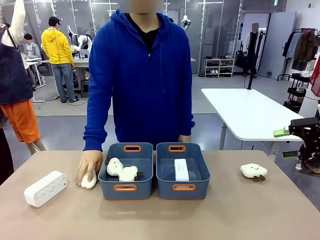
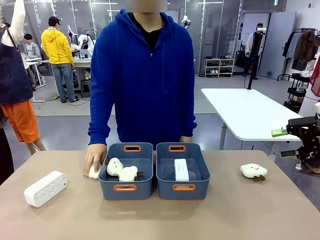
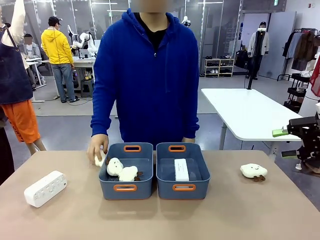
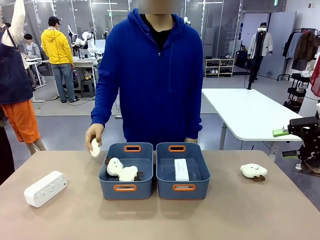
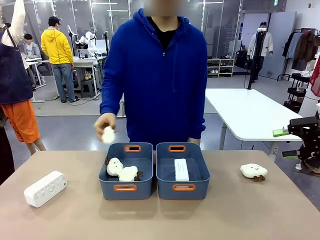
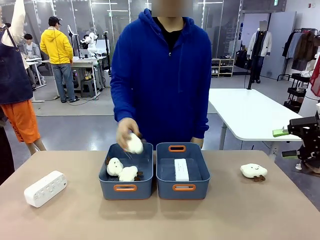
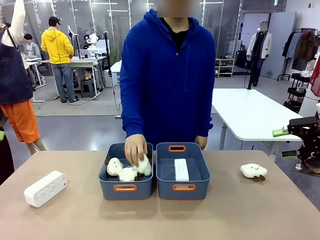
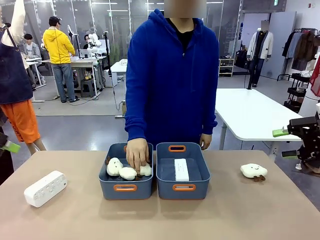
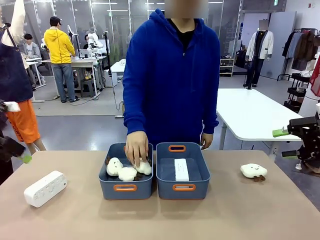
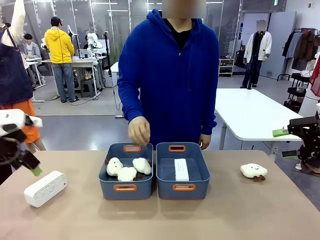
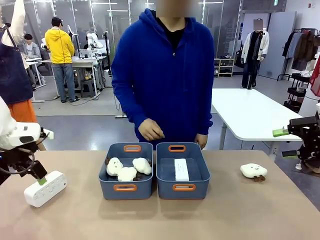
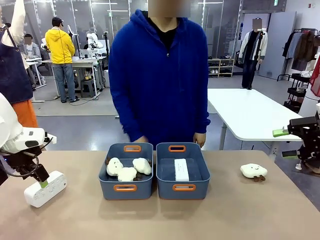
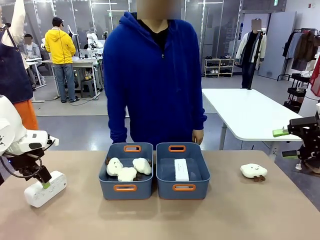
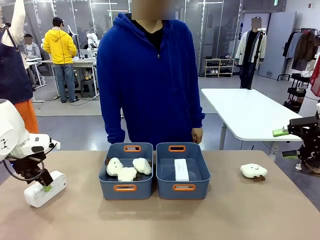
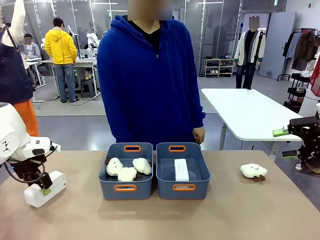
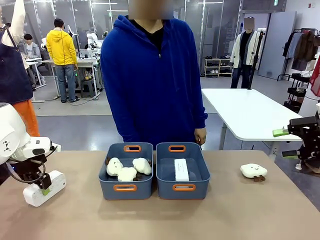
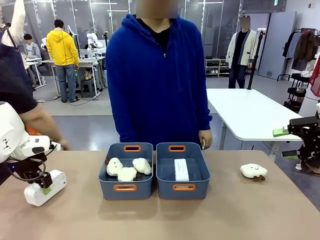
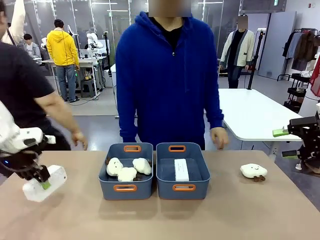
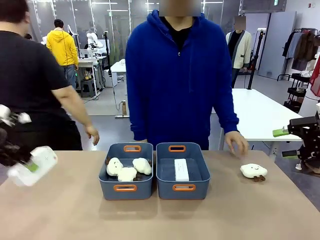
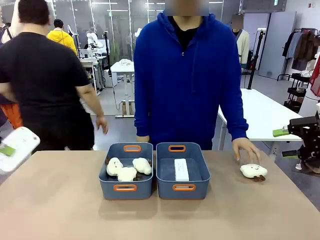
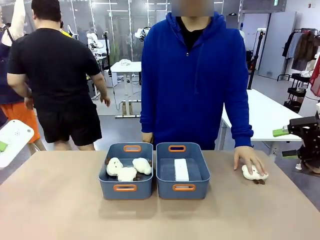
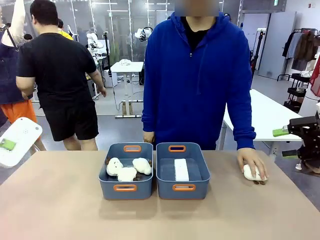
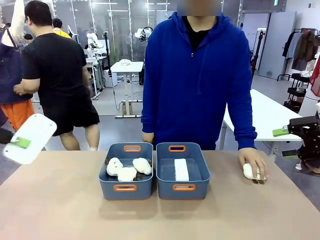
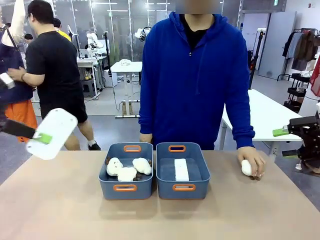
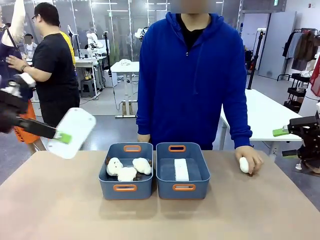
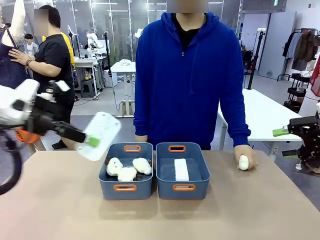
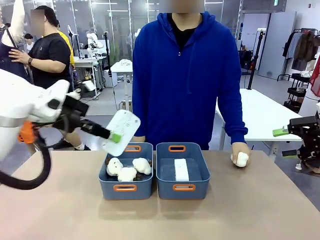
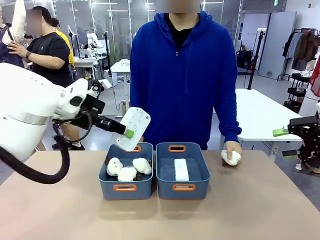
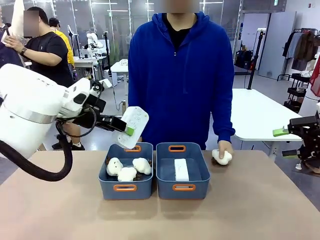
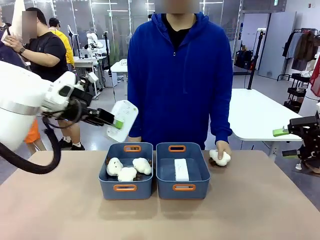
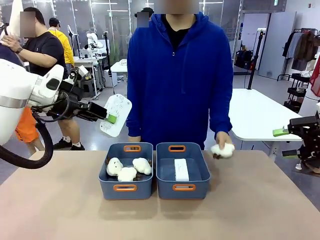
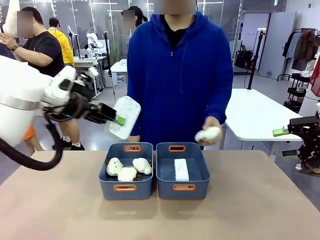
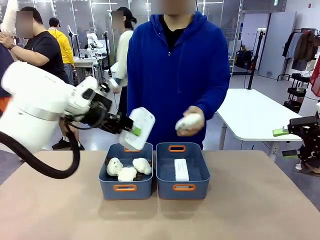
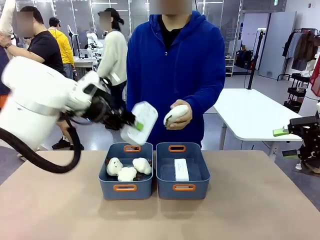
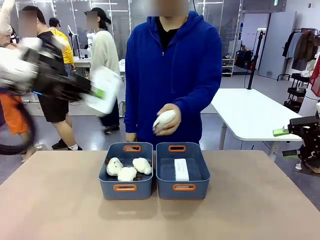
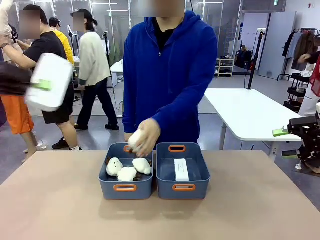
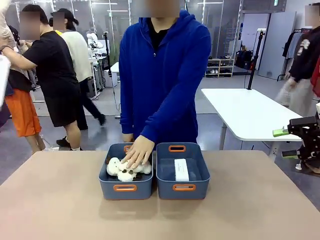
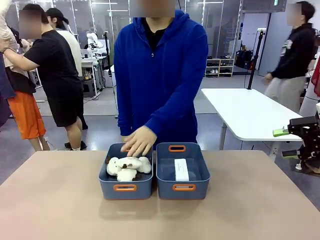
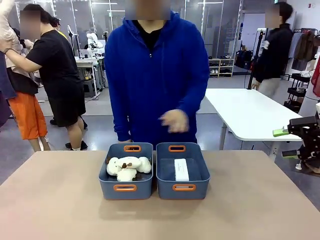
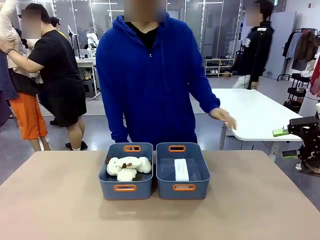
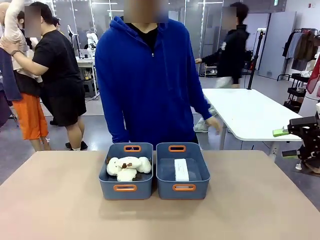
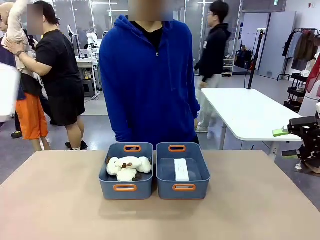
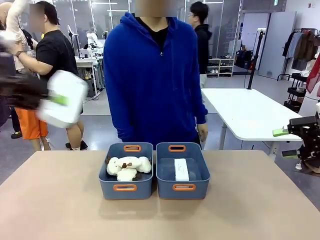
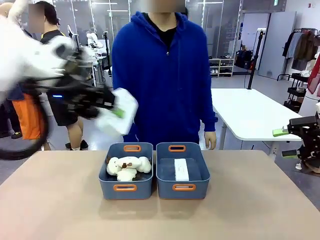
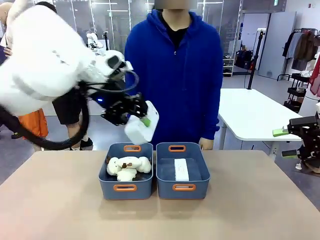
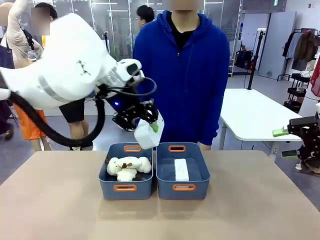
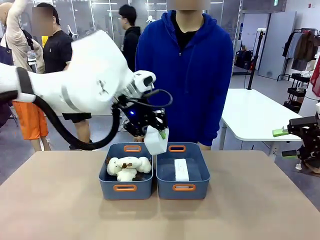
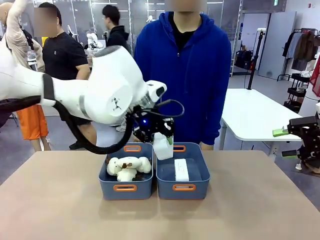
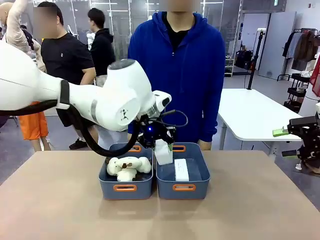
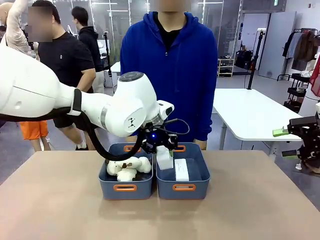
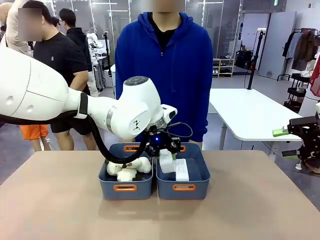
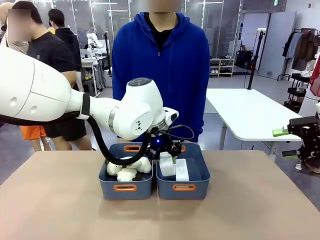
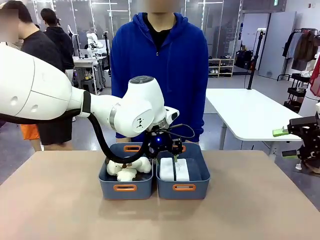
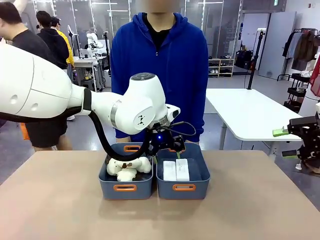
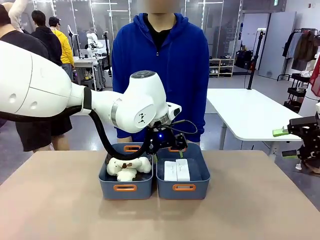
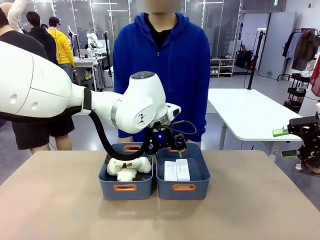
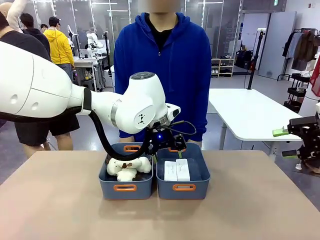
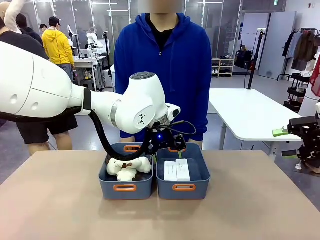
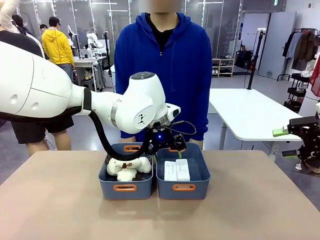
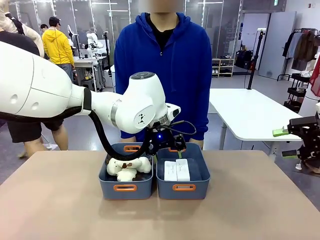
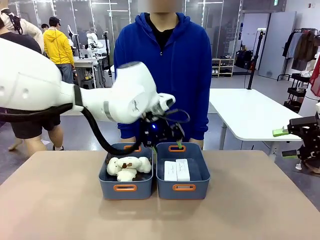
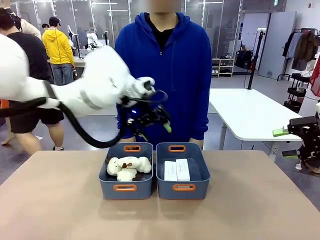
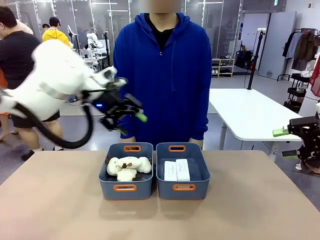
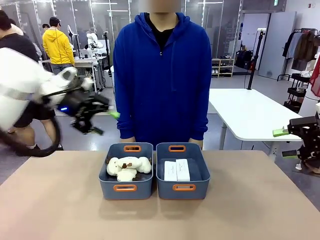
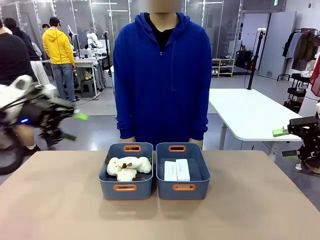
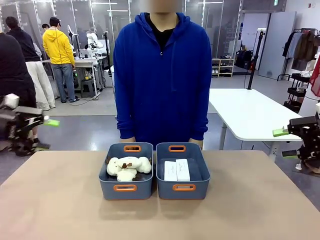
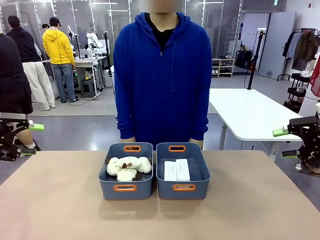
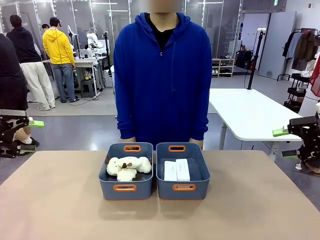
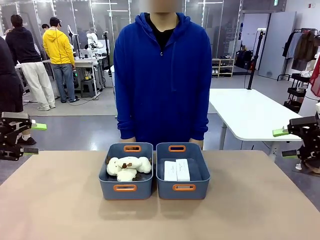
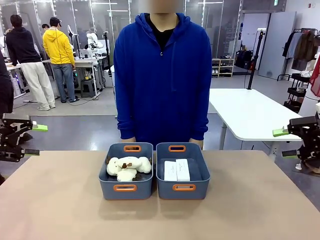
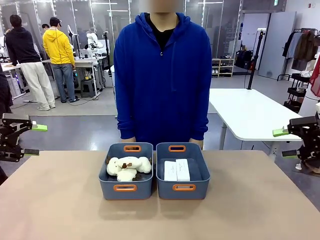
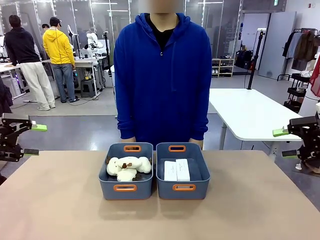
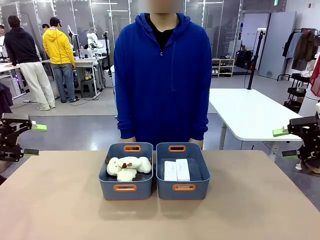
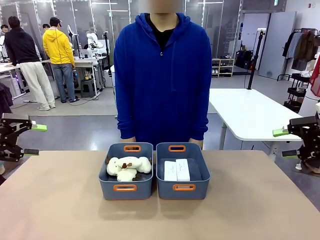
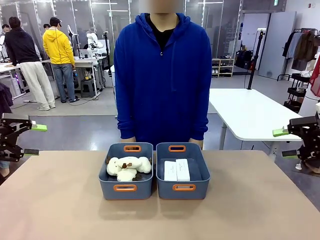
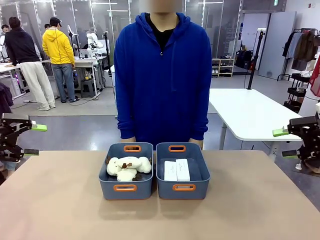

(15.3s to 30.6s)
Task: Sort the digital clocks into the basket.
Robot: Pick up the Digital clock from the table and place it into the empty Plastic storage basket.
Person: Pick up a plush toy from the table and place it in the plastic storage basket containing the plush toy.
